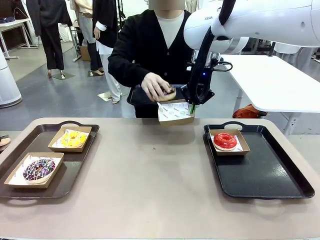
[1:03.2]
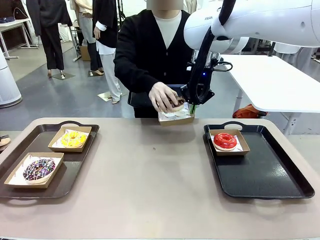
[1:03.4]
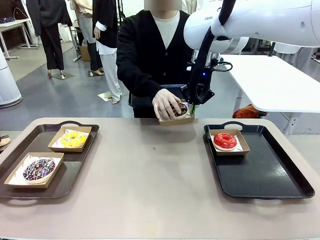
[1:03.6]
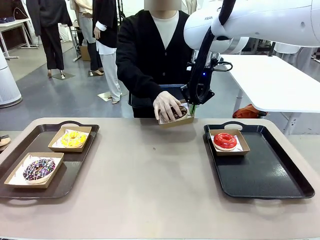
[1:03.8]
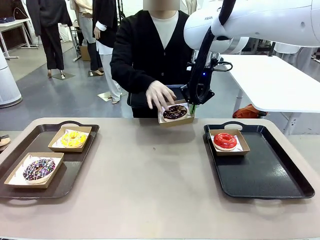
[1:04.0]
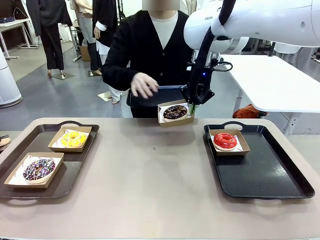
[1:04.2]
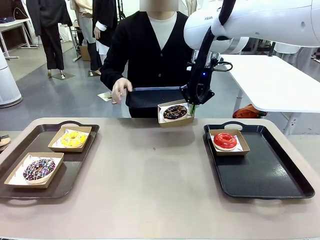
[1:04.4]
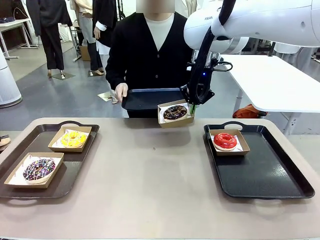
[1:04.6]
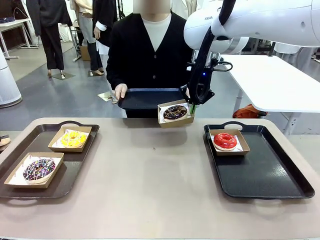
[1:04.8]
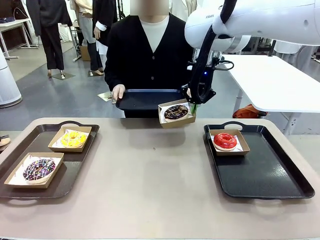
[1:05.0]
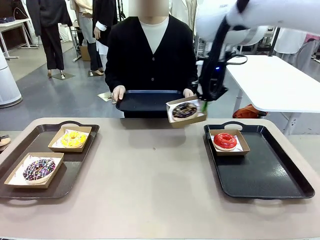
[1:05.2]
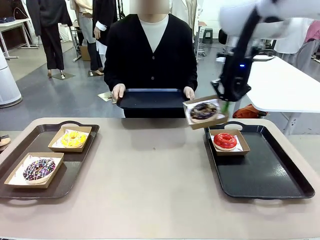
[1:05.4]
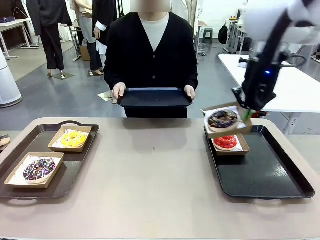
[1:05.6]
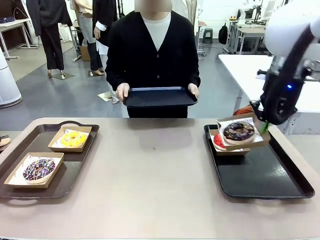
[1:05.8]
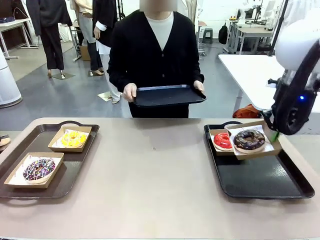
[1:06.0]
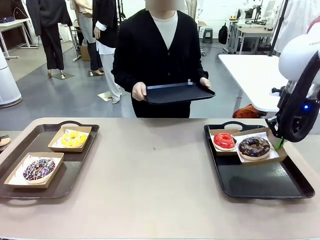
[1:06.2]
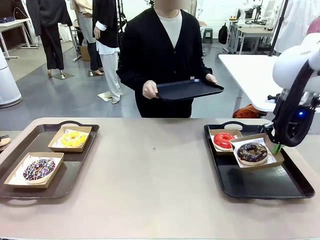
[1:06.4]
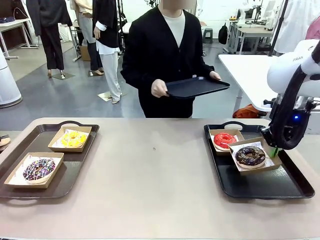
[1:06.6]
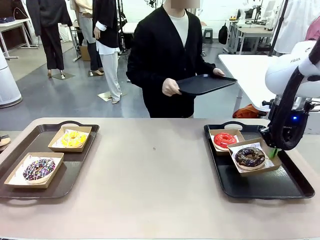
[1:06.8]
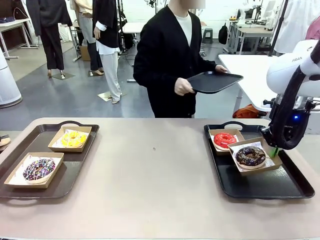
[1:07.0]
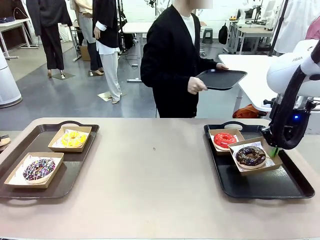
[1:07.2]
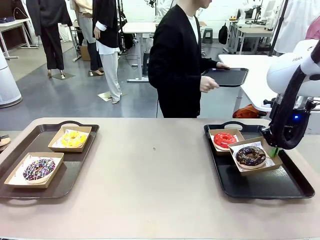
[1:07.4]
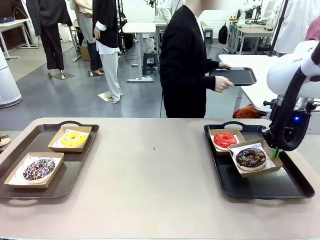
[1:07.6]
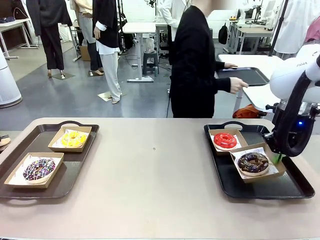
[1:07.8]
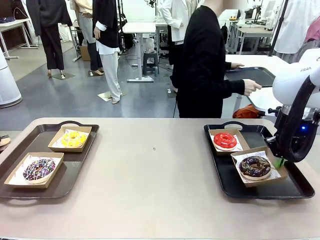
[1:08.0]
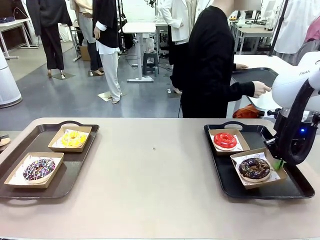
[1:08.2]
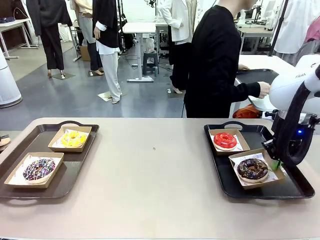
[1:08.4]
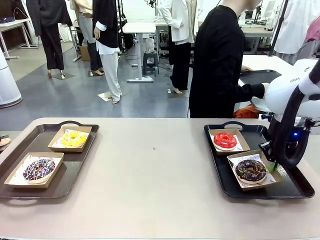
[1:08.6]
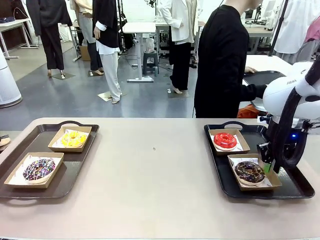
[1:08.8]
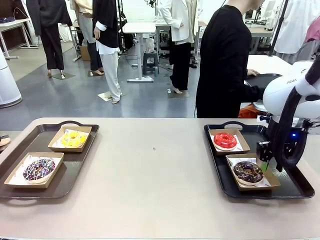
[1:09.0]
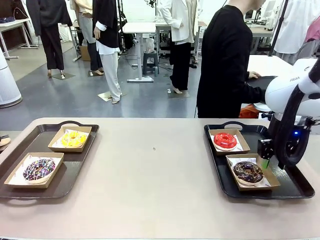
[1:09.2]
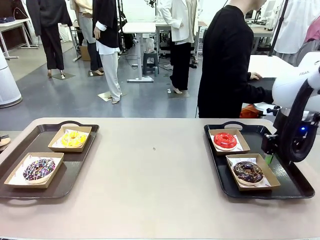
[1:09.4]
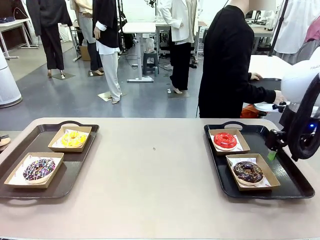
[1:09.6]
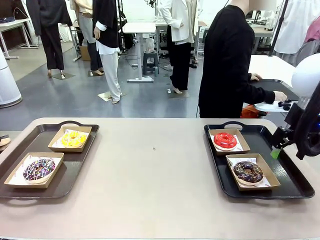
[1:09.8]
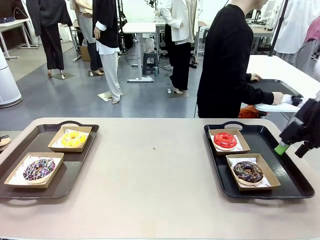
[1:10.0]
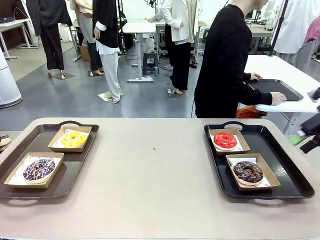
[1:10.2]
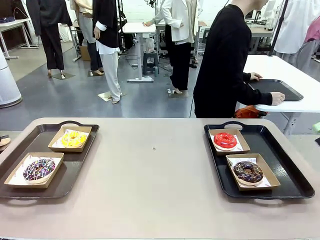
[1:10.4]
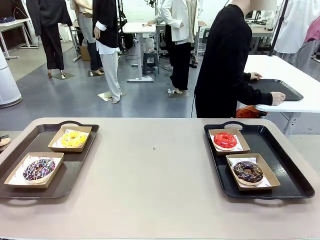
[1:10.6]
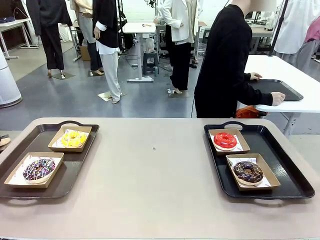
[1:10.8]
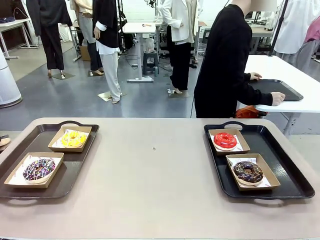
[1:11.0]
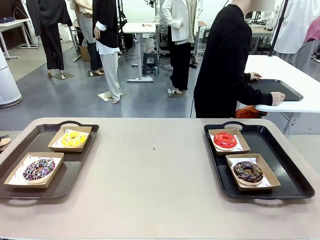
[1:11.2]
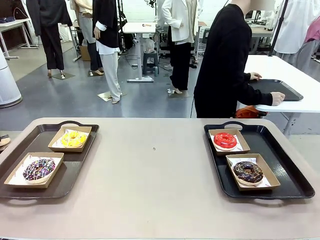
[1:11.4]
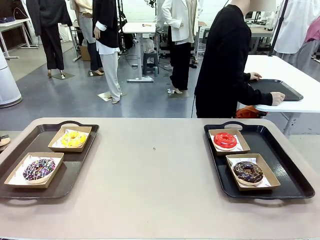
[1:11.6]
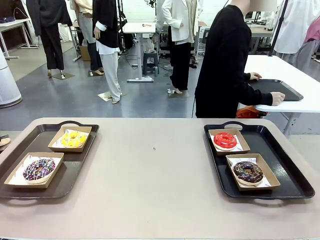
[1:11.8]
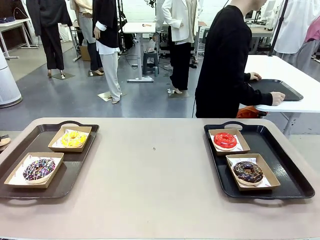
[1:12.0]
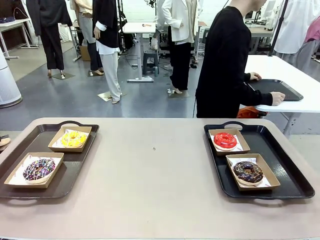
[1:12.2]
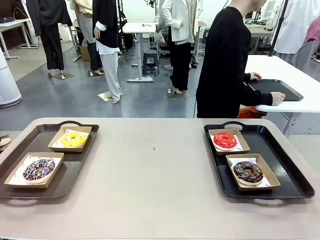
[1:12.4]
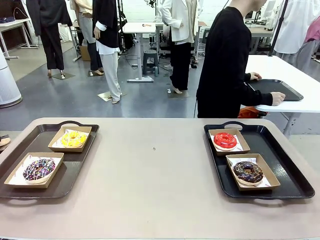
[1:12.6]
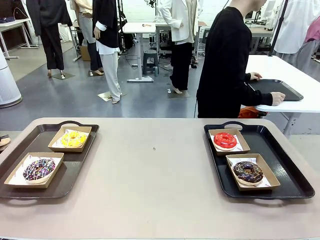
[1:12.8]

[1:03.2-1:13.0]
Task: Individually package the donuts and arrange them on the tray.
Robot: Place the picked Paper togo box on the Handle tray.
Person: Place the tray down in the middle of the human table.

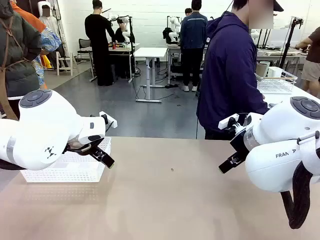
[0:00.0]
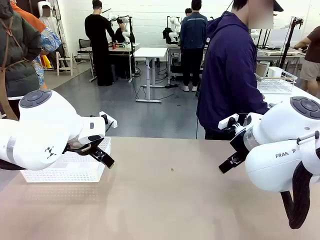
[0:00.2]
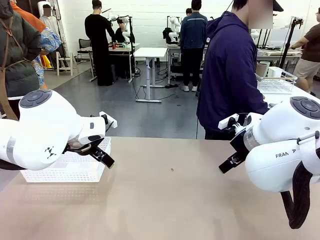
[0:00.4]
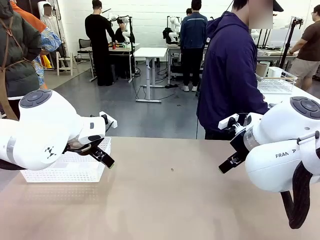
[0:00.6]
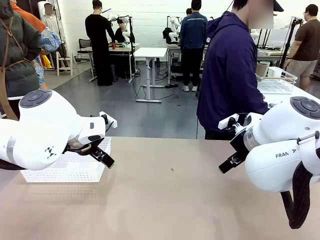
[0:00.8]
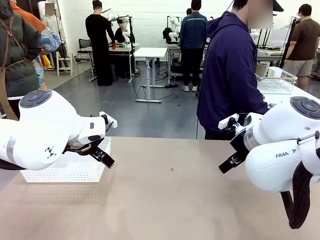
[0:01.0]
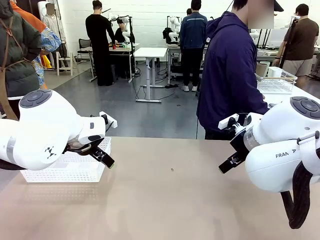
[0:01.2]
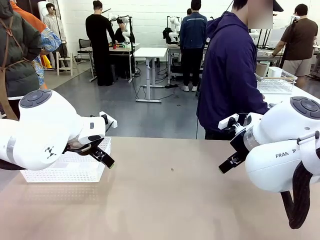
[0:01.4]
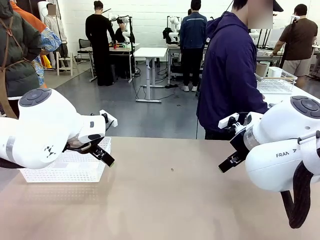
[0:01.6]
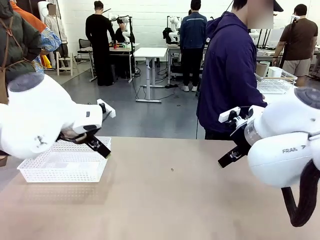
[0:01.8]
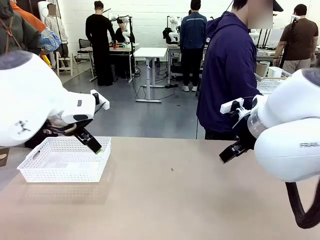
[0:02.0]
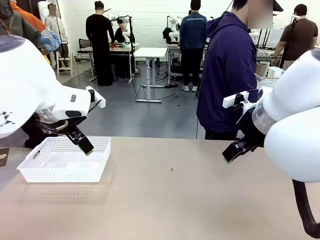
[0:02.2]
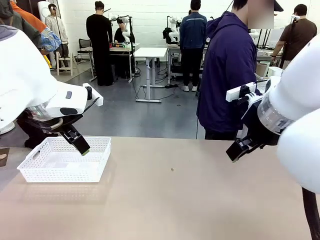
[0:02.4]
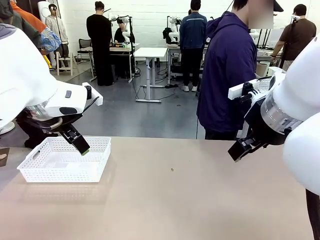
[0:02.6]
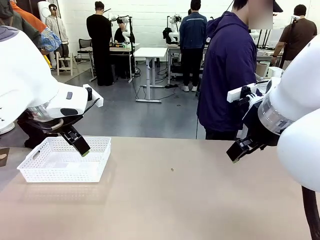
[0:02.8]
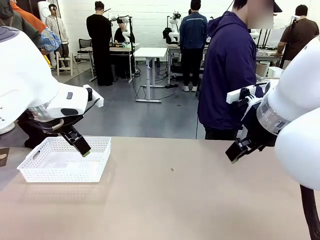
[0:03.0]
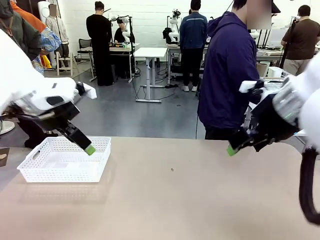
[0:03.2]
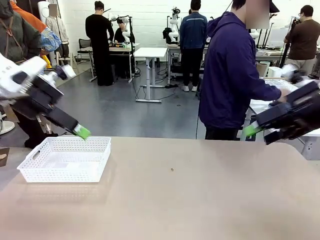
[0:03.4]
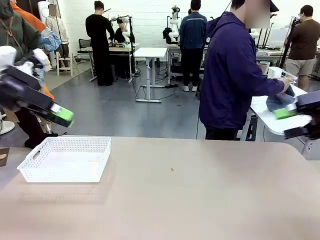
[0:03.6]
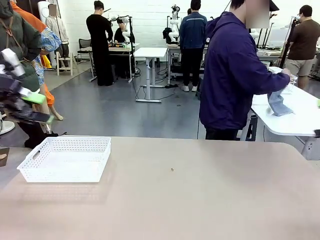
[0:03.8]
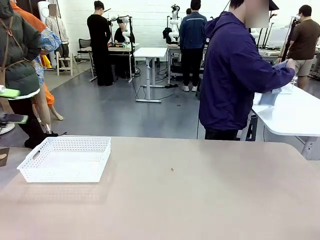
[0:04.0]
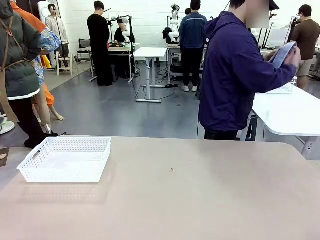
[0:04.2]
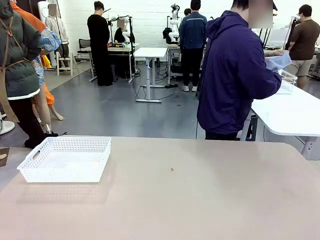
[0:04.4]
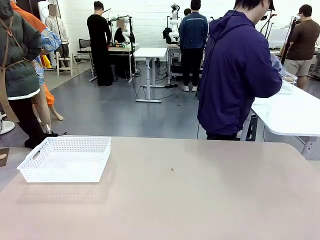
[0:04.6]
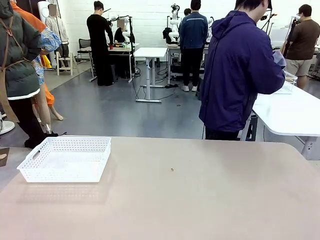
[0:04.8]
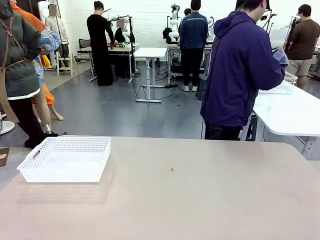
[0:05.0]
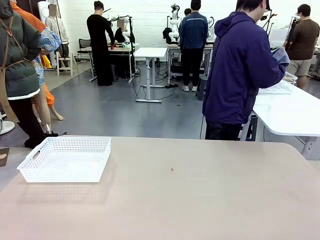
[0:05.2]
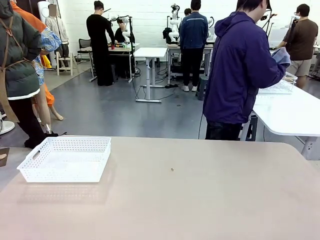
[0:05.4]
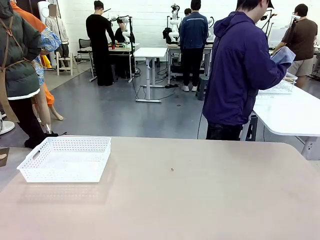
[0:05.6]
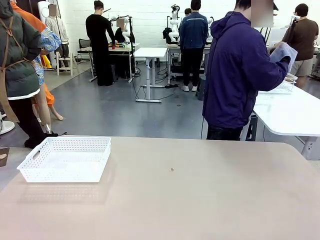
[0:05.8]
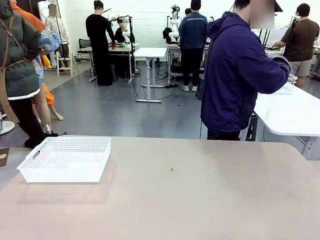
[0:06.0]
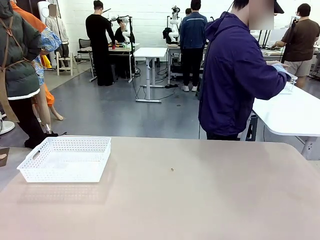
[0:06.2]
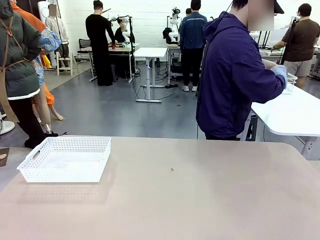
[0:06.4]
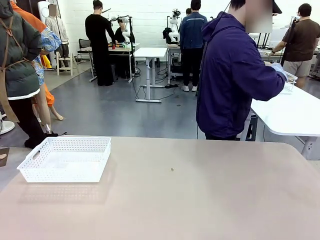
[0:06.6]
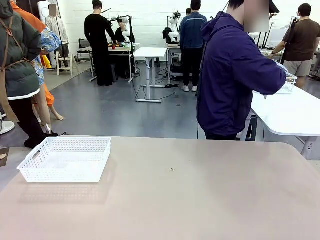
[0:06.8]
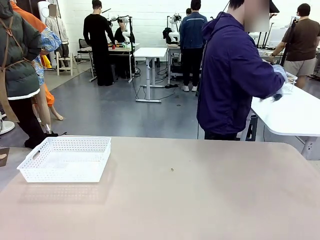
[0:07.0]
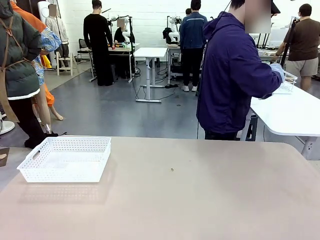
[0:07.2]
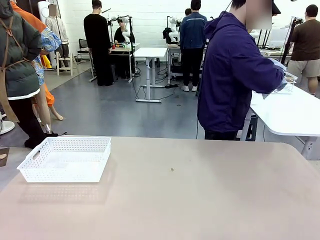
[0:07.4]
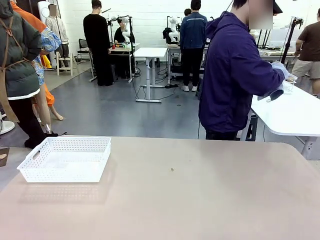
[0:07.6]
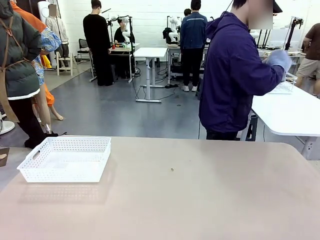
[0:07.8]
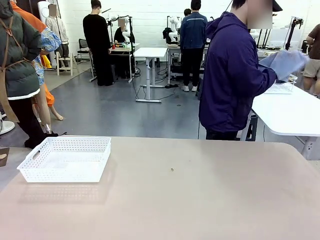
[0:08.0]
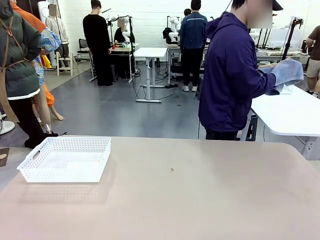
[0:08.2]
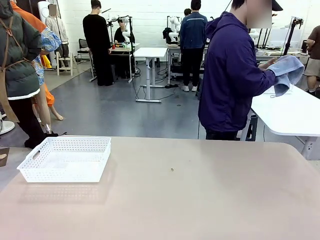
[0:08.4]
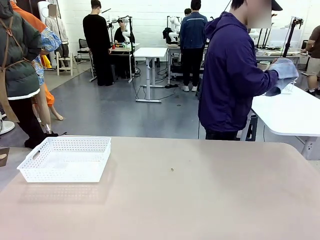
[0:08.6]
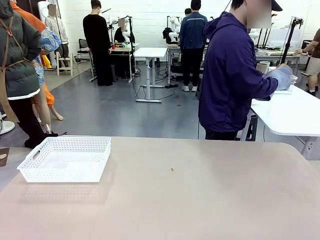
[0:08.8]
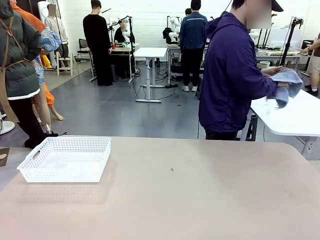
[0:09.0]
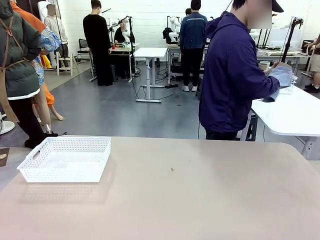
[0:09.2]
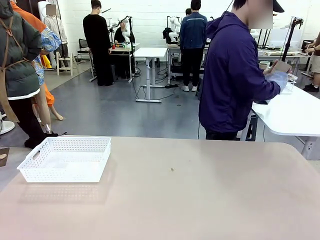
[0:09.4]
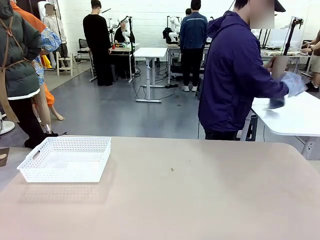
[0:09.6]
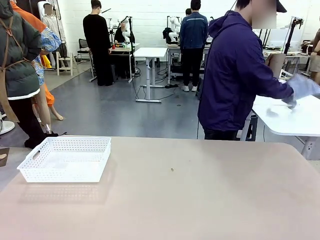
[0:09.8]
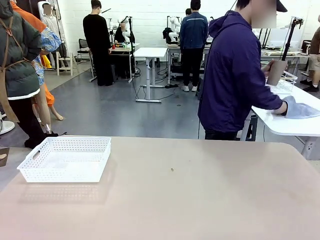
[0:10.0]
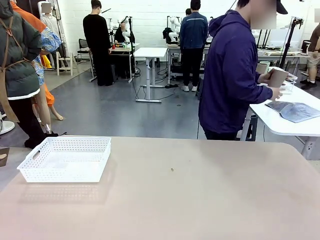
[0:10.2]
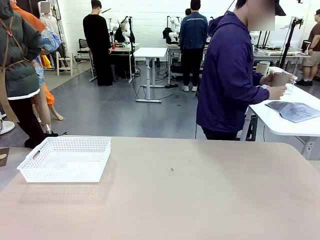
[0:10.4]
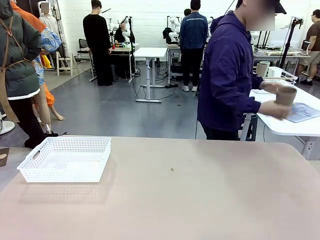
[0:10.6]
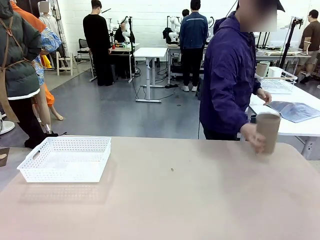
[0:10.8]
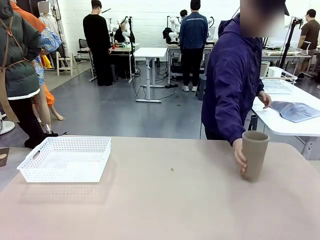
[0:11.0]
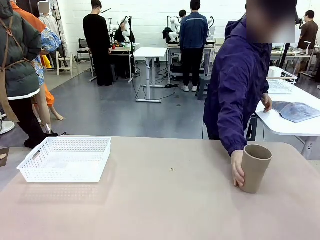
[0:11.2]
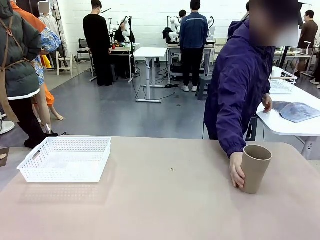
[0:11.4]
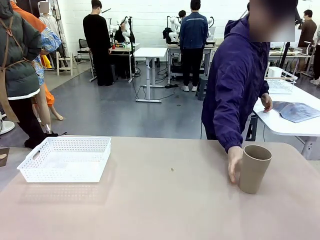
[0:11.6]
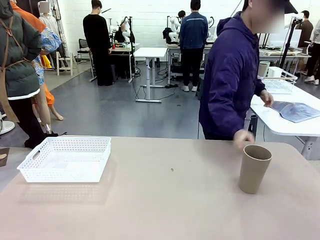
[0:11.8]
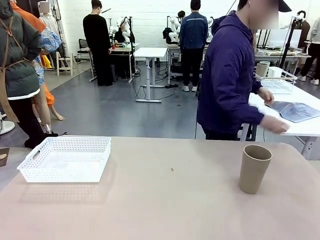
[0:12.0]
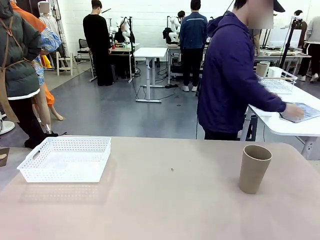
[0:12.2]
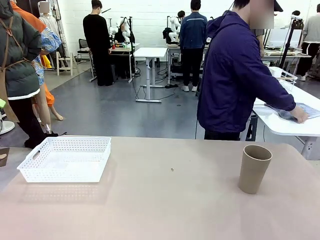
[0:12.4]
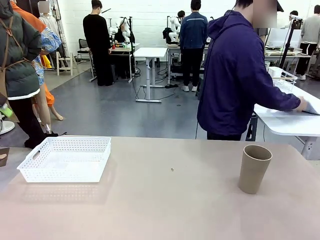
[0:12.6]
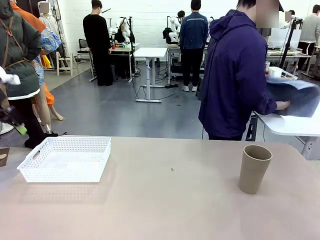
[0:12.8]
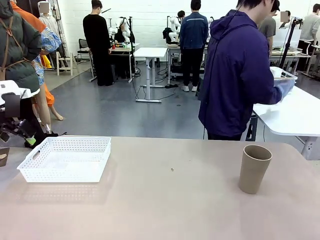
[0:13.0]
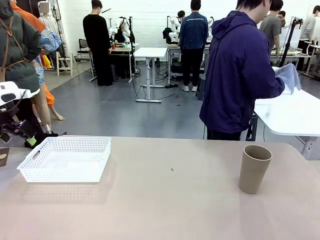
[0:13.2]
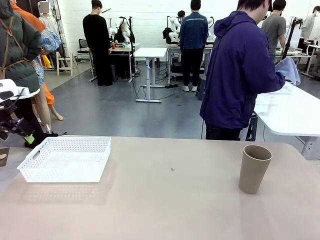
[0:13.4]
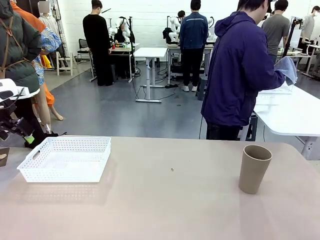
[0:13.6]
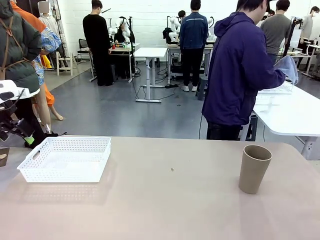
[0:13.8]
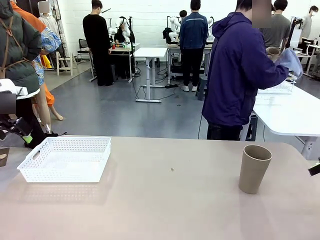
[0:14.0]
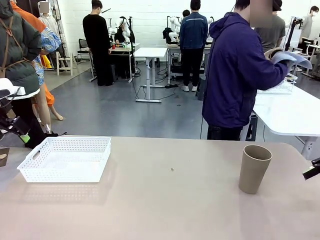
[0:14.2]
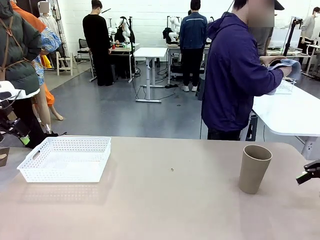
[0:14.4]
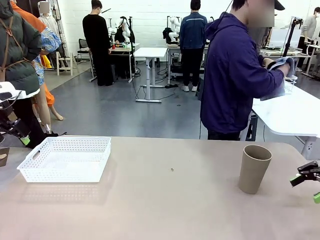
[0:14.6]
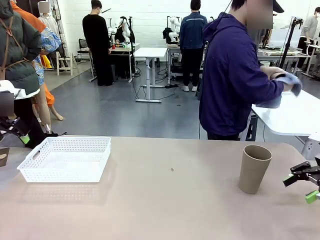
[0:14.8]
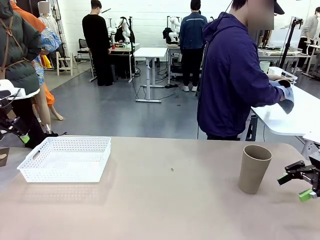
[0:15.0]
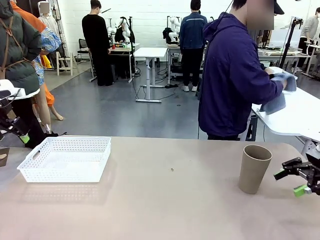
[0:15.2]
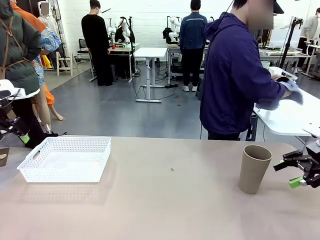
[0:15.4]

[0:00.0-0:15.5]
Task: Clean and organize the cups into the basket.
Robot: Pick up the Organizing basket and move it to the center of the table, then pick up the Reusable plastic cup from the right side of the table and place it inside the Organizing basket.
Person: Picks up a cup and a towel, cleans the cup with the towel, and places it on the left side of the robot table.
